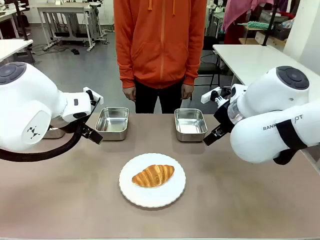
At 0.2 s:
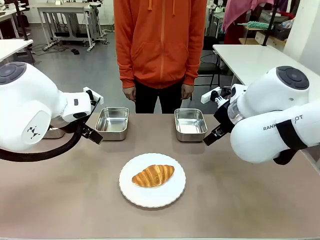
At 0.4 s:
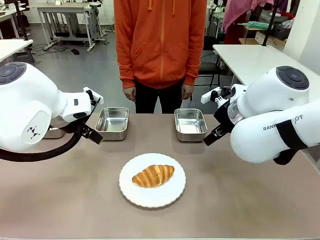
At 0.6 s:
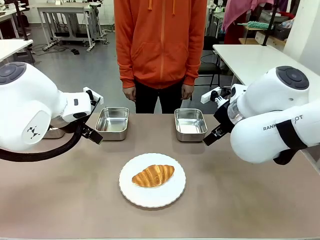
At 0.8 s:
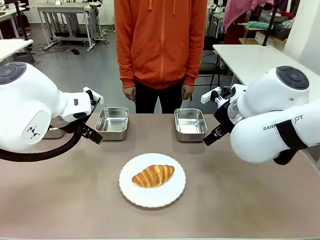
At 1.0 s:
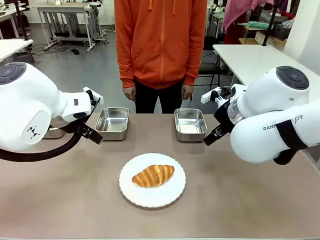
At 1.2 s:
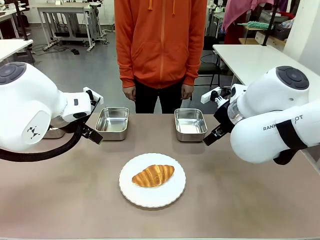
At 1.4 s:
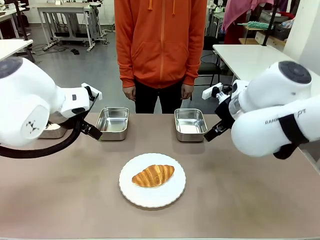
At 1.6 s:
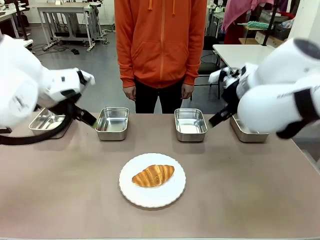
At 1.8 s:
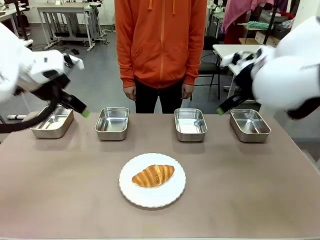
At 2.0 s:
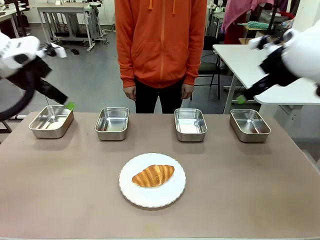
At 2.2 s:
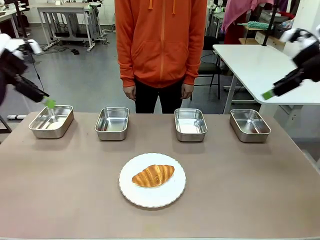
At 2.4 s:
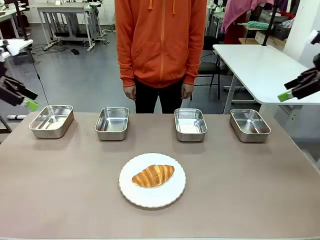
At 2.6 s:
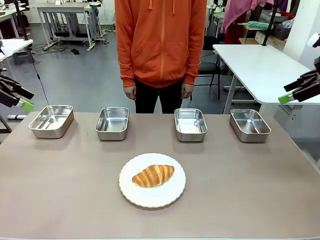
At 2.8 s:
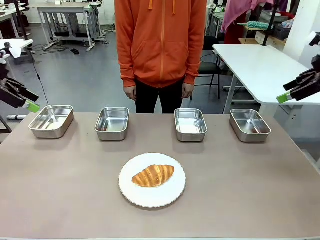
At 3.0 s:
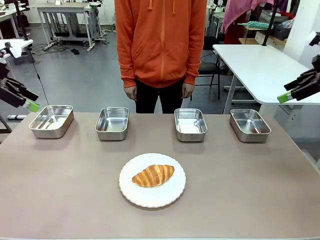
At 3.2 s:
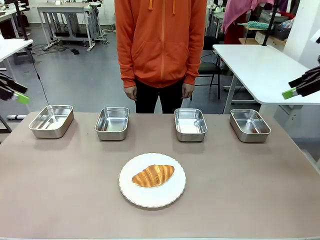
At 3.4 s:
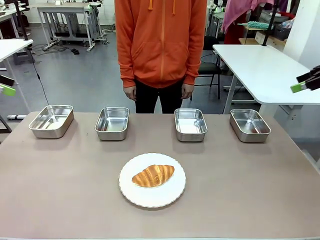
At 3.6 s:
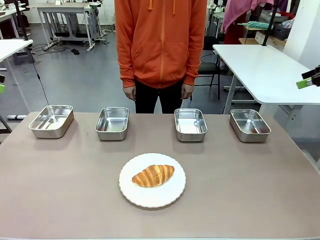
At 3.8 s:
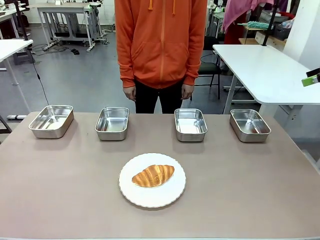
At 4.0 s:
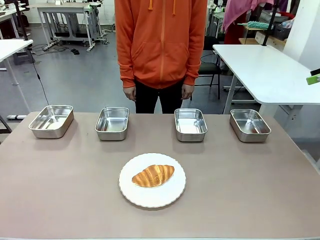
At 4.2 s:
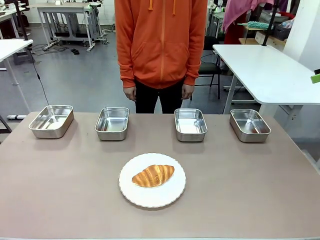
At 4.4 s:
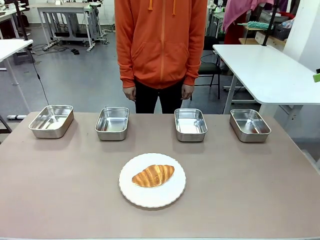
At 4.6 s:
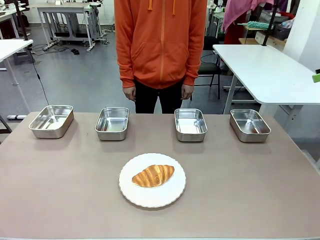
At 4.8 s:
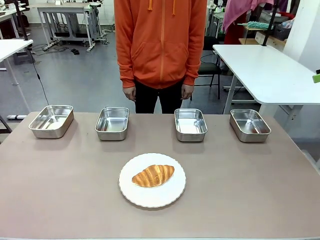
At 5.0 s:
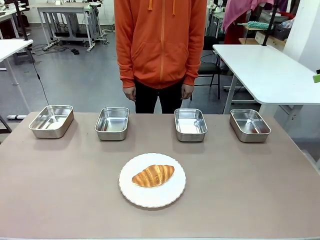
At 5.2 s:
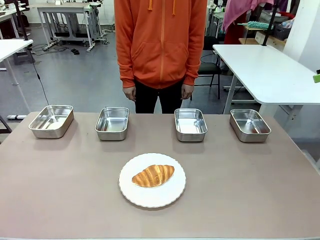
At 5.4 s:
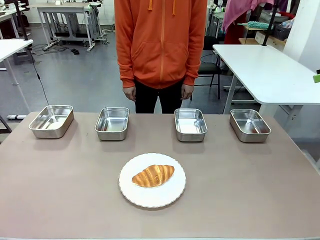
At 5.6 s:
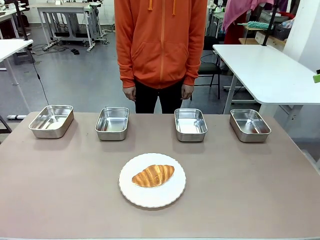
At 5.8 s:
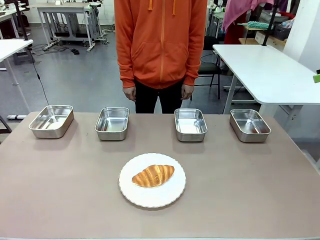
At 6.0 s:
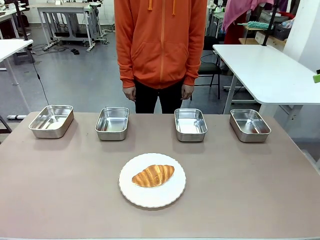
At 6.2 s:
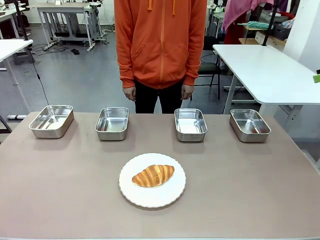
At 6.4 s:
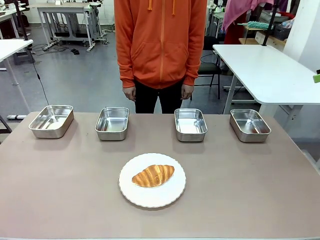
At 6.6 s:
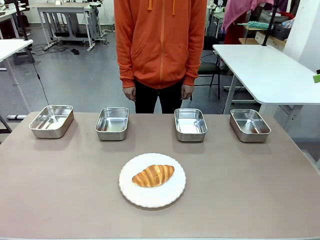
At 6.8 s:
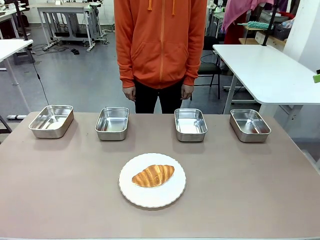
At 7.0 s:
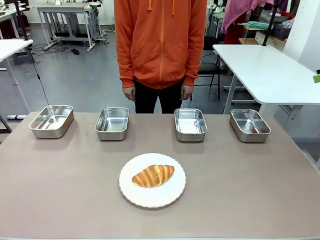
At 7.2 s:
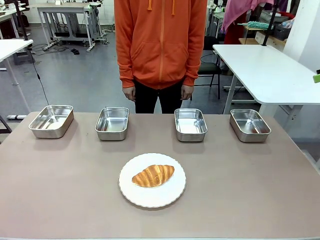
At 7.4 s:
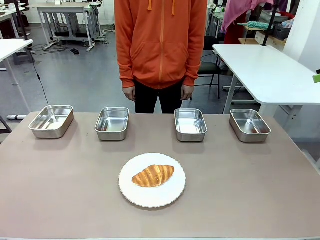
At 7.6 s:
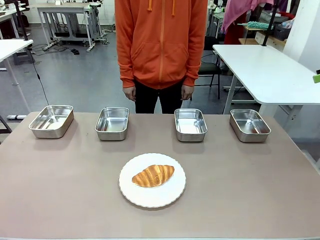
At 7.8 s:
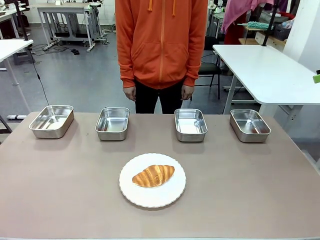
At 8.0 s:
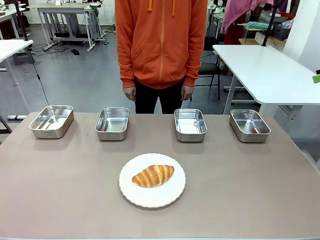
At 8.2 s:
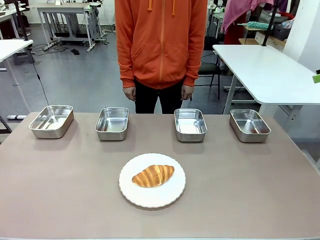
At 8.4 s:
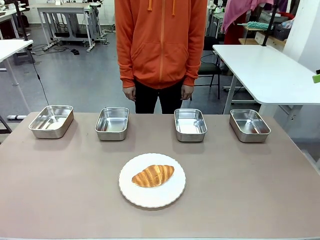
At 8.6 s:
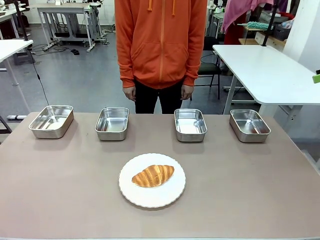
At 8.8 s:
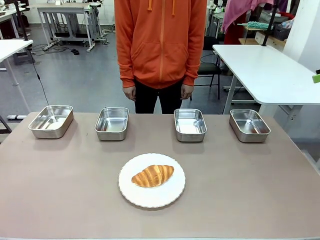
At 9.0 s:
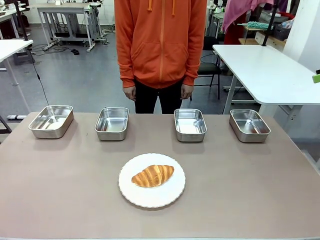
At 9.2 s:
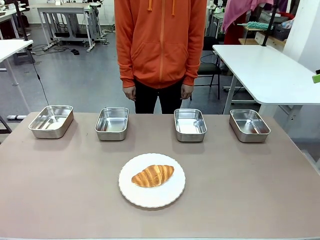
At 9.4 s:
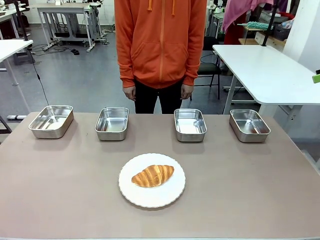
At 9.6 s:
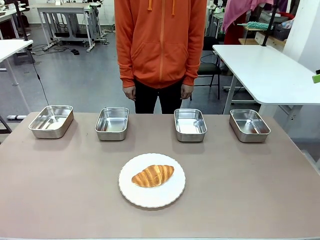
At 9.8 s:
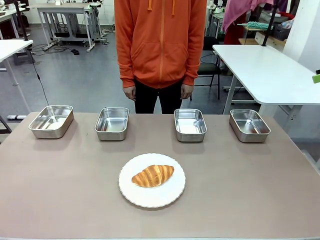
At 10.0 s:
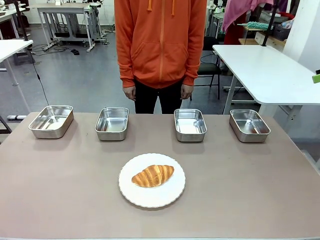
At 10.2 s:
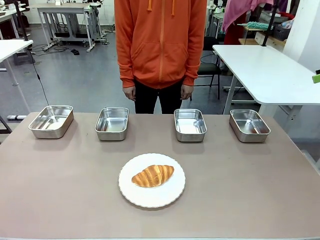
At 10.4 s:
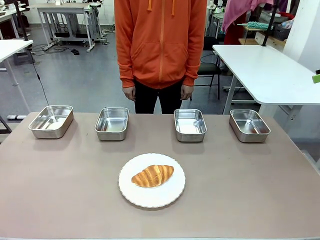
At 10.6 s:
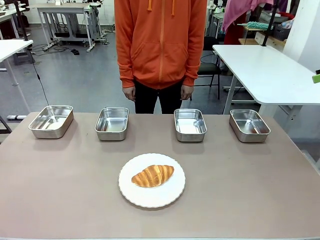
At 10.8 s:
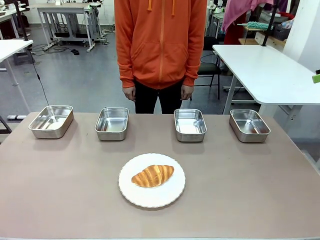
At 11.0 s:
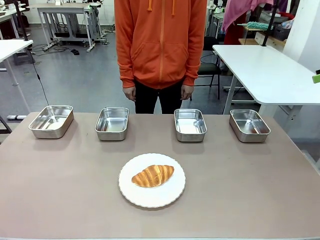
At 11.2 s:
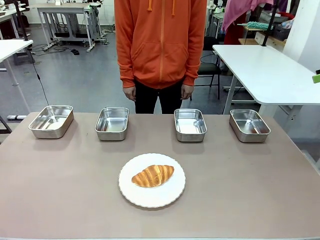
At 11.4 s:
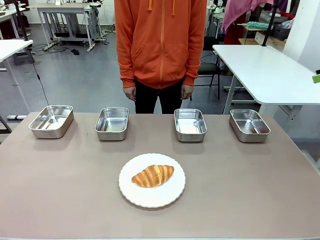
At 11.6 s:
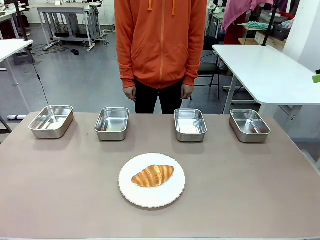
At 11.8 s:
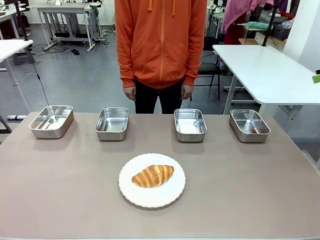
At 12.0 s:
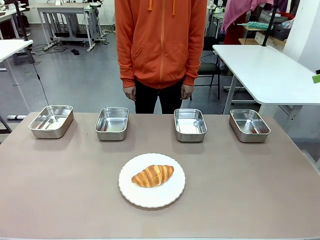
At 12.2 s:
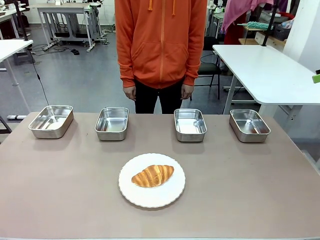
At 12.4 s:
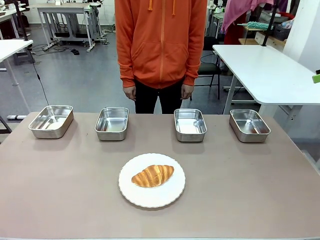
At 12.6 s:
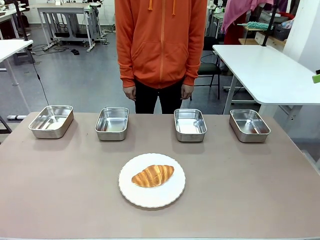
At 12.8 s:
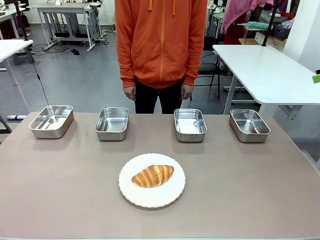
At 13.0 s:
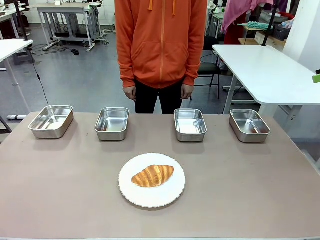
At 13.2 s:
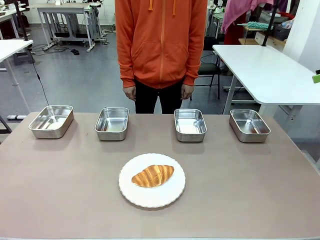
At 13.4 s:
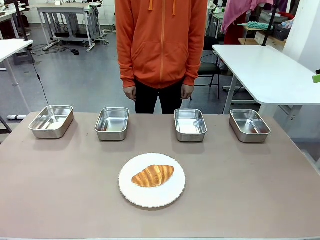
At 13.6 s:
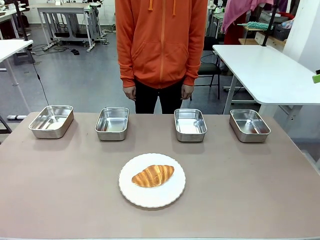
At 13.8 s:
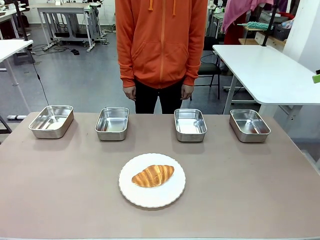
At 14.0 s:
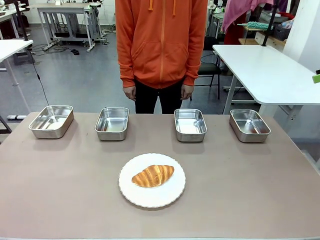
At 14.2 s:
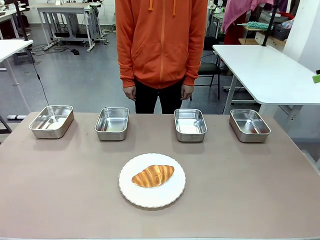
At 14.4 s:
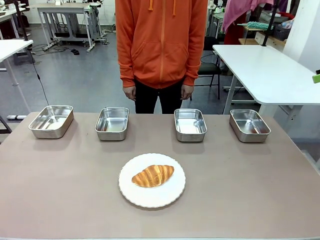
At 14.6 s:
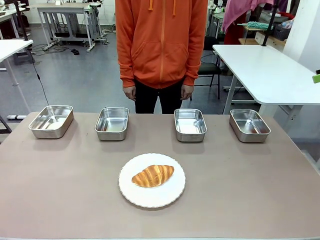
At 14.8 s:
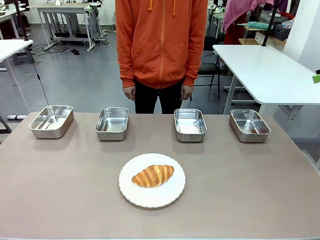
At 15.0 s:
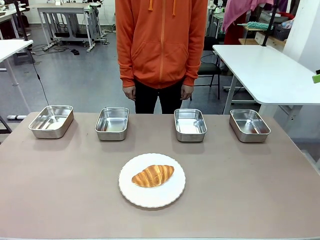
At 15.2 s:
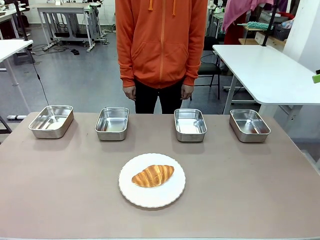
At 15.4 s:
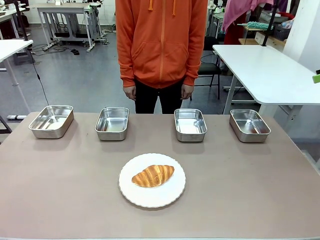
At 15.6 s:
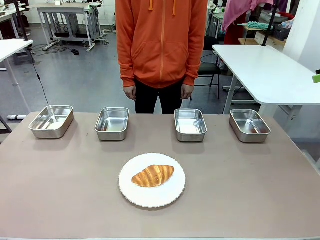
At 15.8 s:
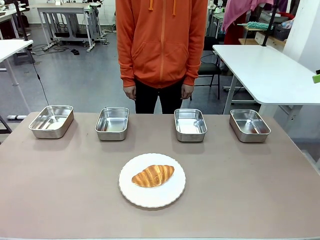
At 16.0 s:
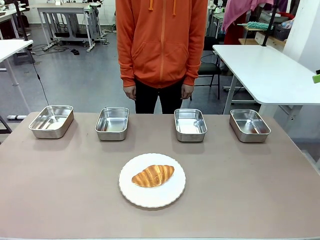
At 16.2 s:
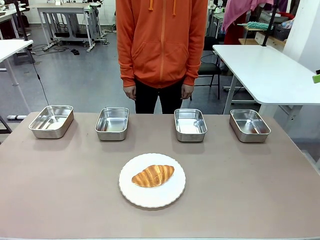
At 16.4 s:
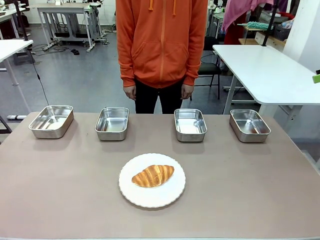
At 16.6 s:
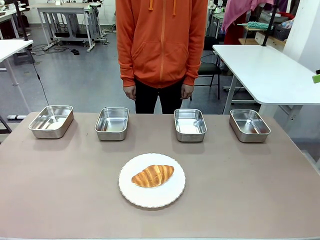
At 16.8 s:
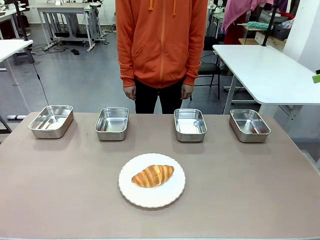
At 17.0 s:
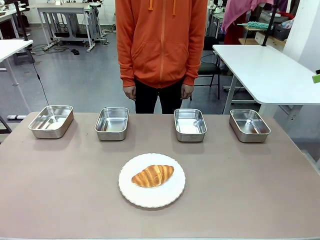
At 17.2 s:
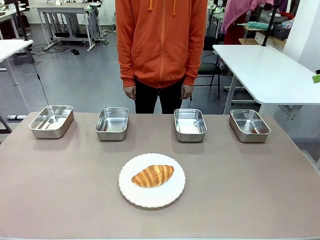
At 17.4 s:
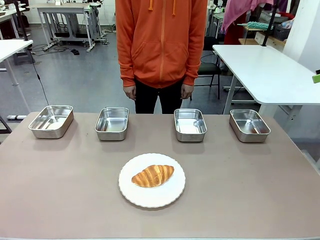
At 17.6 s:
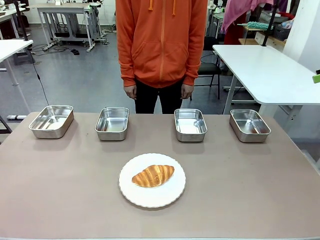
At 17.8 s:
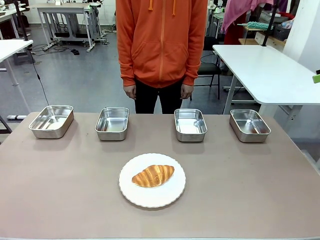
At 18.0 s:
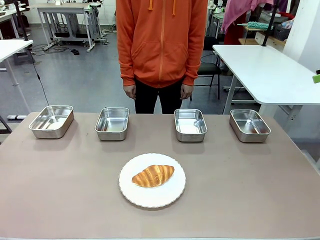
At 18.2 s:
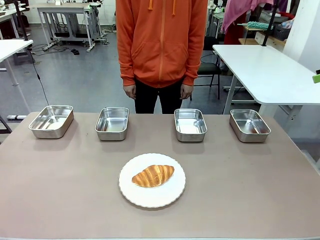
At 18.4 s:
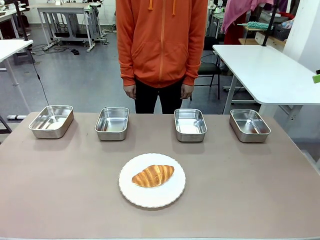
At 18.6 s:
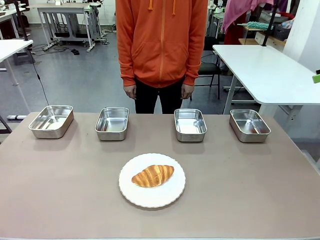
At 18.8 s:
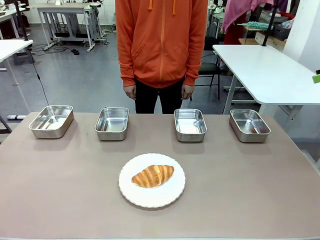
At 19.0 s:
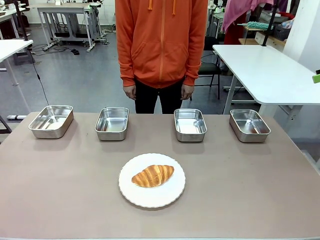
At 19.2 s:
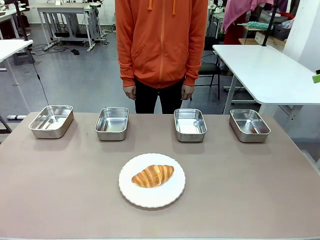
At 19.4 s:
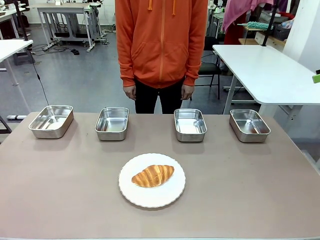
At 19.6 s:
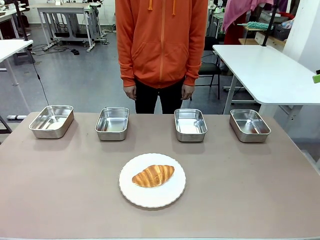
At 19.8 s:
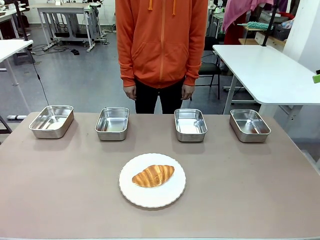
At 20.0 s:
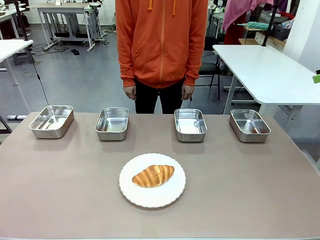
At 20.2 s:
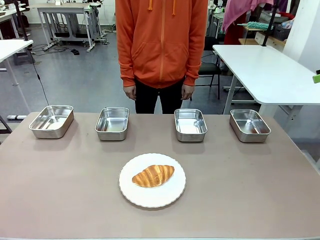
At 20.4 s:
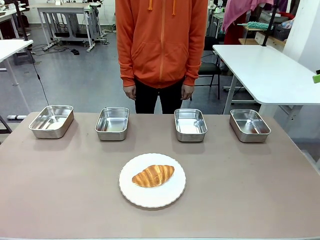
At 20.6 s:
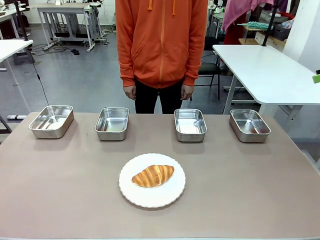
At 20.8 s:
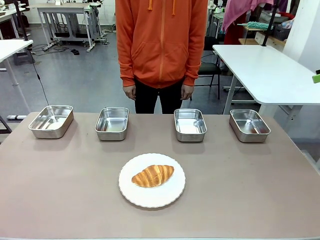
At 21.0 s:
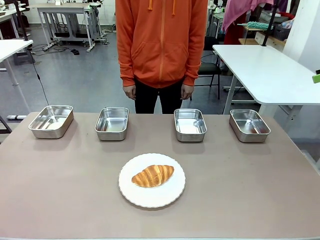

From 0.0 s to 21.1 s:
Task: Place the bread in the container.
Robot: Place the Butter Roll into the Airtight Container indicated by the human.
